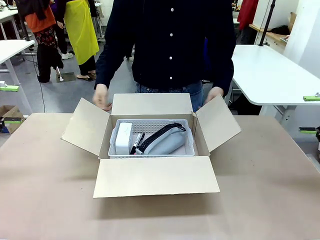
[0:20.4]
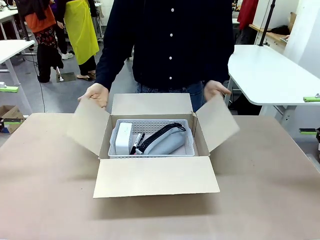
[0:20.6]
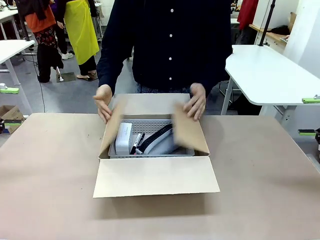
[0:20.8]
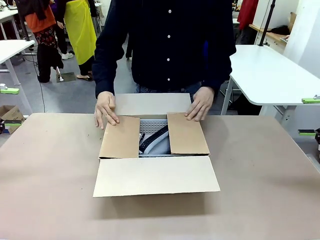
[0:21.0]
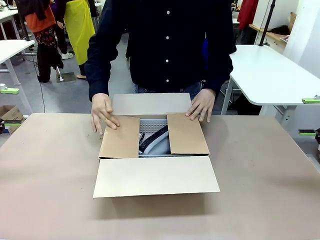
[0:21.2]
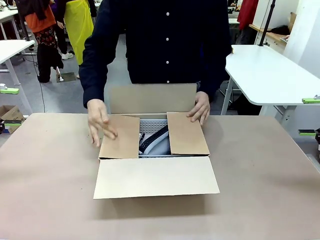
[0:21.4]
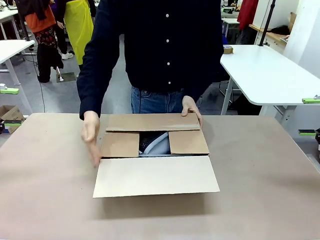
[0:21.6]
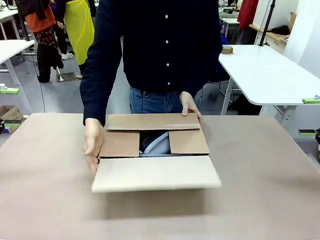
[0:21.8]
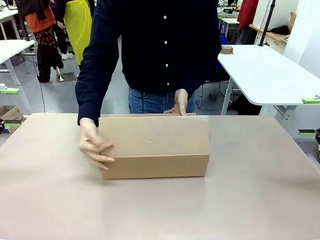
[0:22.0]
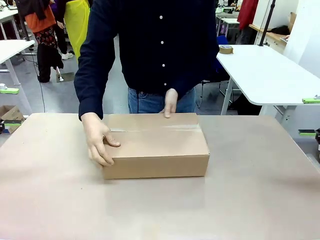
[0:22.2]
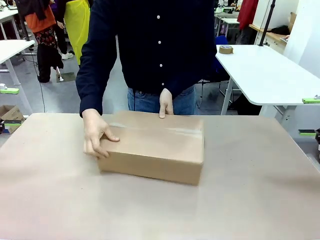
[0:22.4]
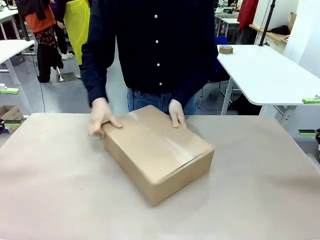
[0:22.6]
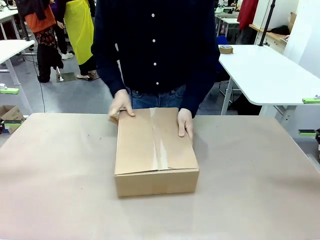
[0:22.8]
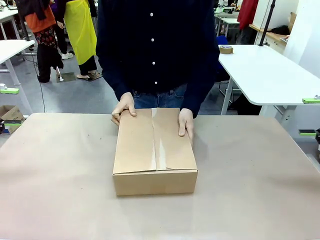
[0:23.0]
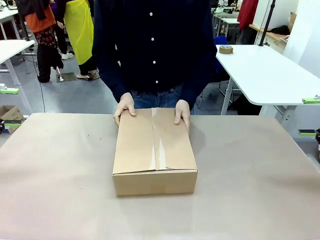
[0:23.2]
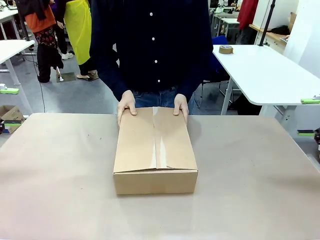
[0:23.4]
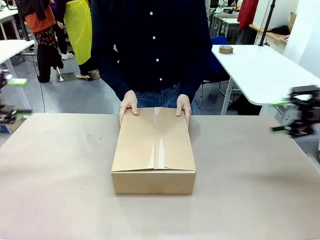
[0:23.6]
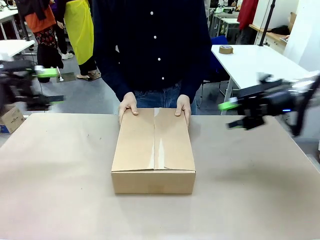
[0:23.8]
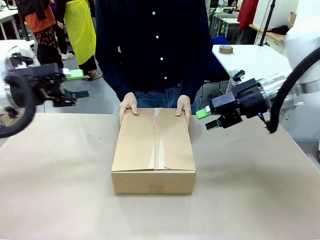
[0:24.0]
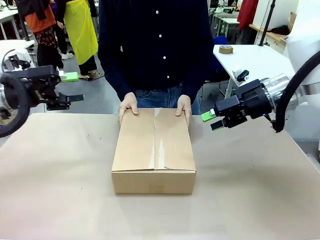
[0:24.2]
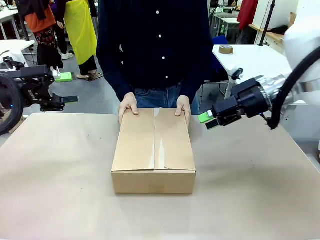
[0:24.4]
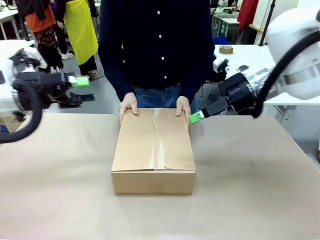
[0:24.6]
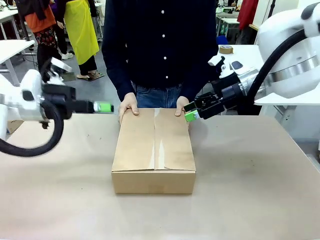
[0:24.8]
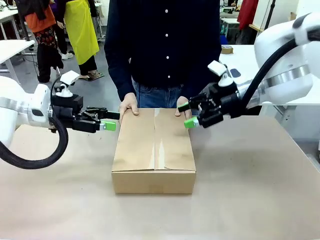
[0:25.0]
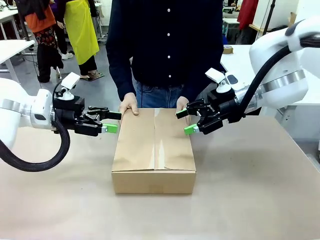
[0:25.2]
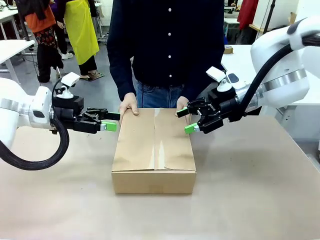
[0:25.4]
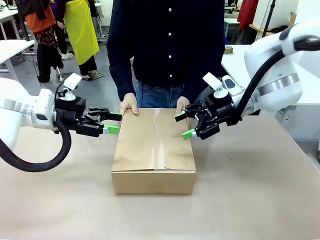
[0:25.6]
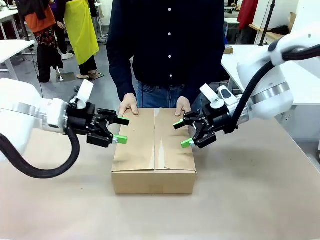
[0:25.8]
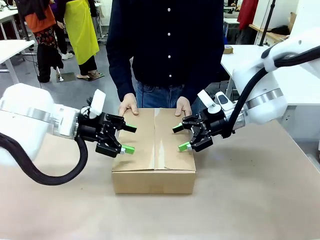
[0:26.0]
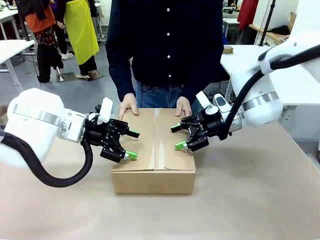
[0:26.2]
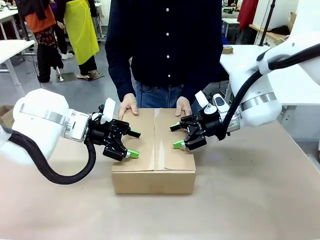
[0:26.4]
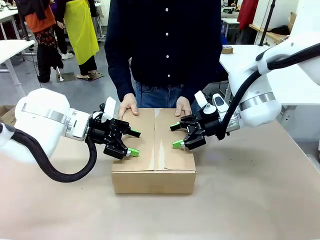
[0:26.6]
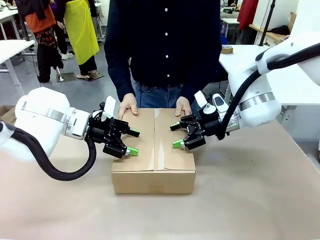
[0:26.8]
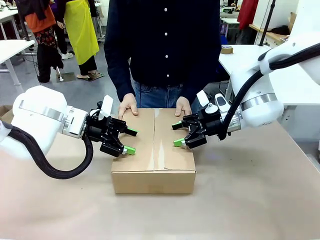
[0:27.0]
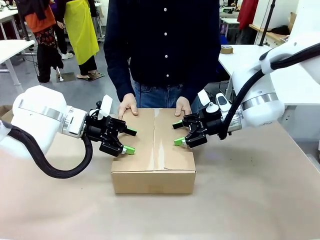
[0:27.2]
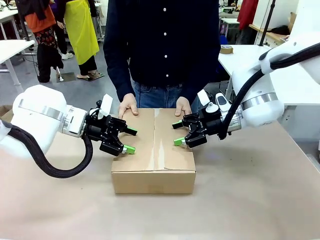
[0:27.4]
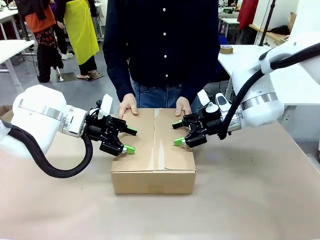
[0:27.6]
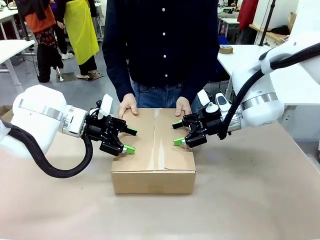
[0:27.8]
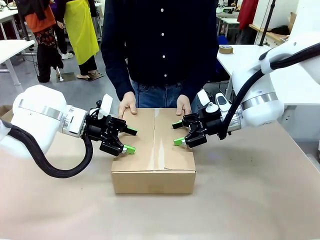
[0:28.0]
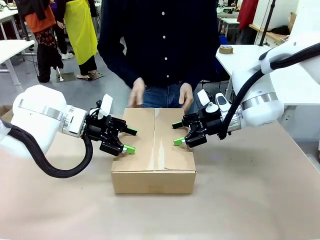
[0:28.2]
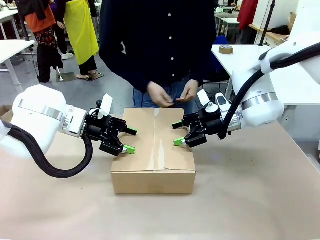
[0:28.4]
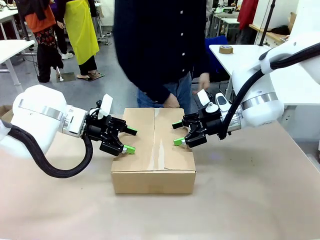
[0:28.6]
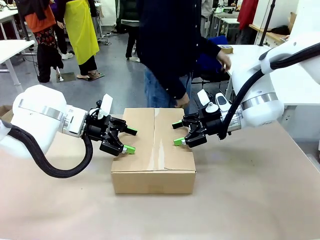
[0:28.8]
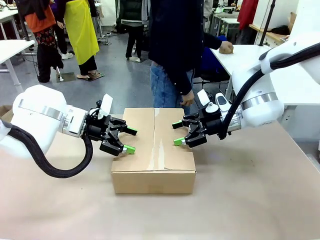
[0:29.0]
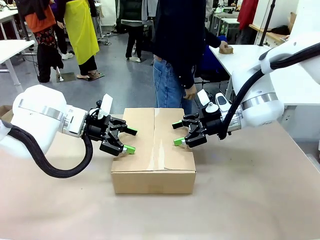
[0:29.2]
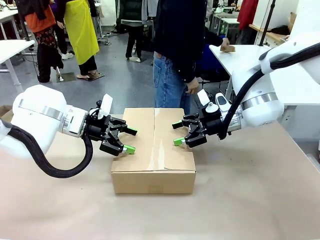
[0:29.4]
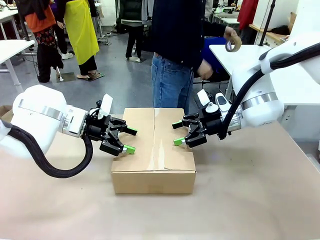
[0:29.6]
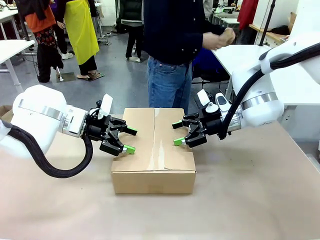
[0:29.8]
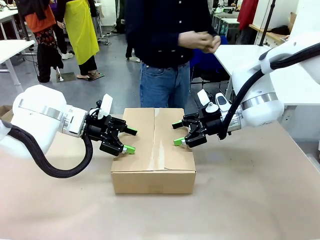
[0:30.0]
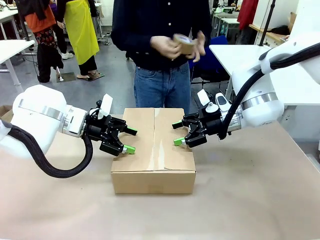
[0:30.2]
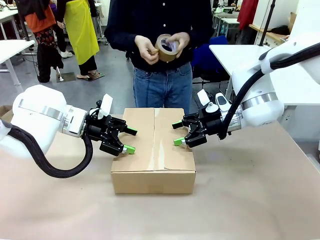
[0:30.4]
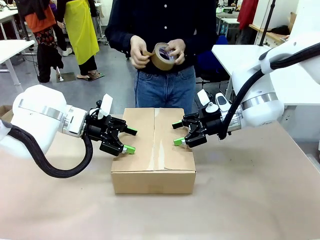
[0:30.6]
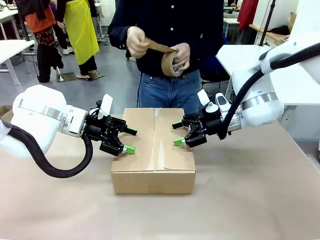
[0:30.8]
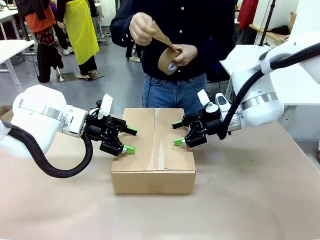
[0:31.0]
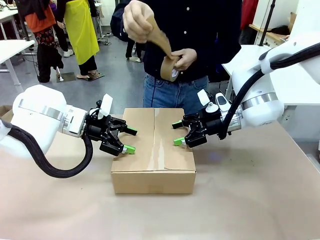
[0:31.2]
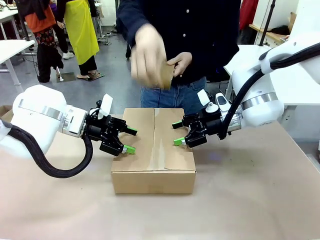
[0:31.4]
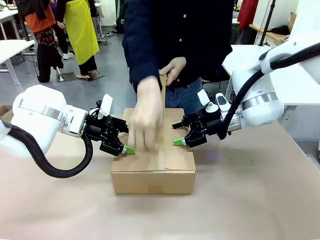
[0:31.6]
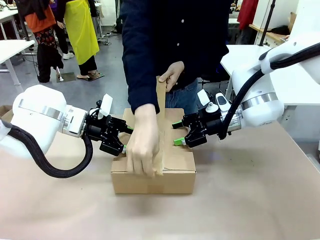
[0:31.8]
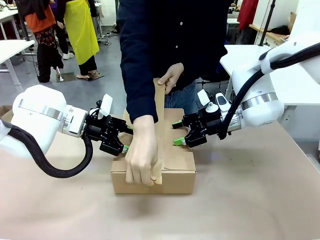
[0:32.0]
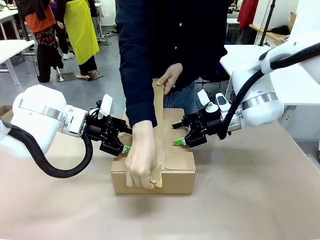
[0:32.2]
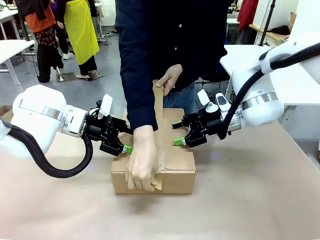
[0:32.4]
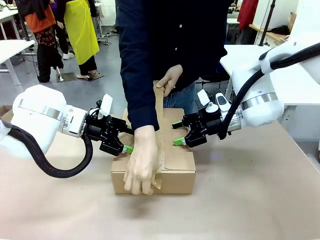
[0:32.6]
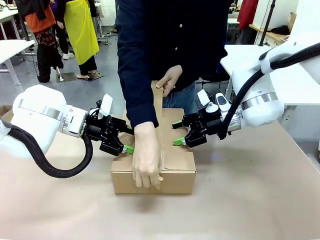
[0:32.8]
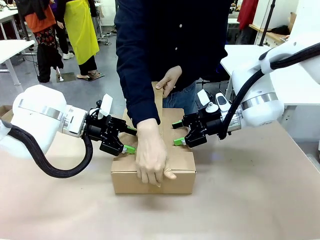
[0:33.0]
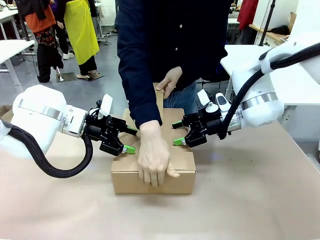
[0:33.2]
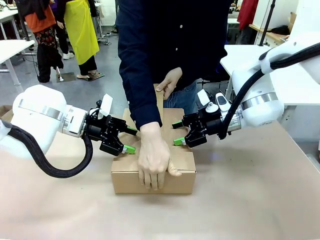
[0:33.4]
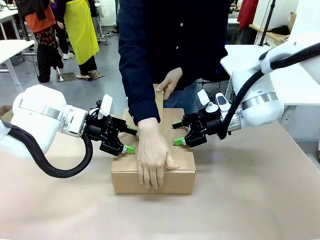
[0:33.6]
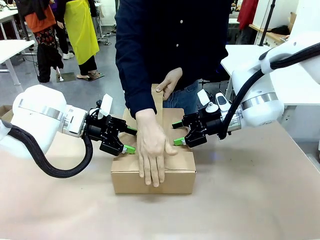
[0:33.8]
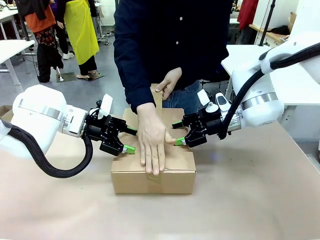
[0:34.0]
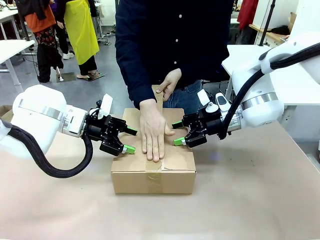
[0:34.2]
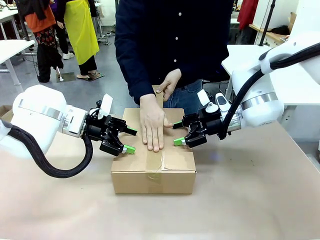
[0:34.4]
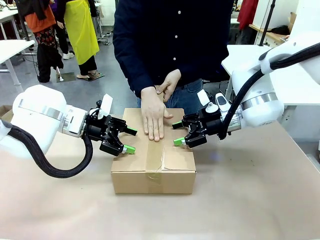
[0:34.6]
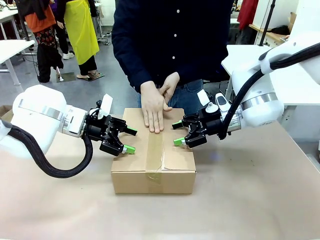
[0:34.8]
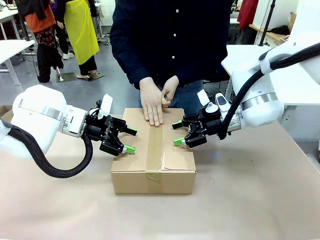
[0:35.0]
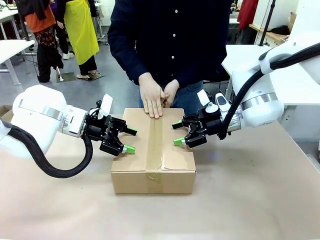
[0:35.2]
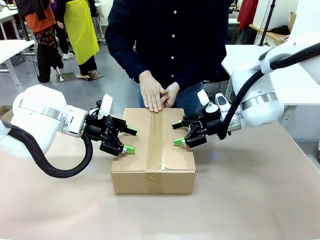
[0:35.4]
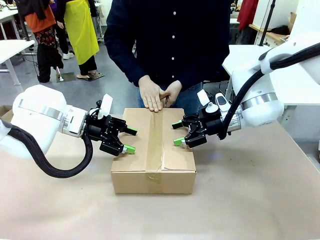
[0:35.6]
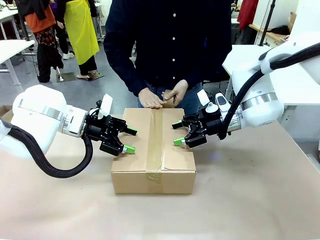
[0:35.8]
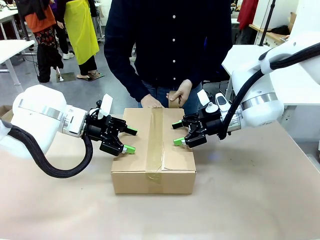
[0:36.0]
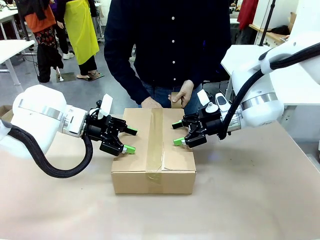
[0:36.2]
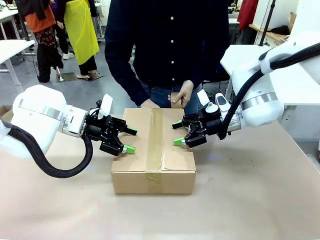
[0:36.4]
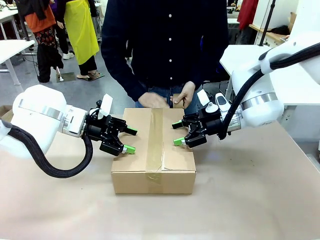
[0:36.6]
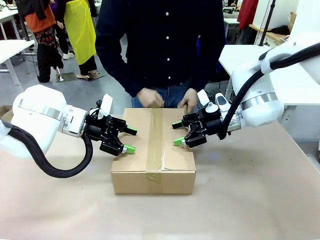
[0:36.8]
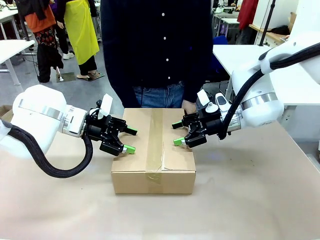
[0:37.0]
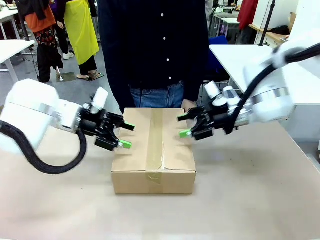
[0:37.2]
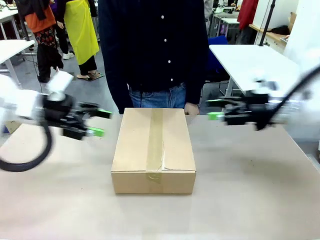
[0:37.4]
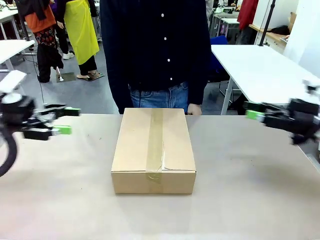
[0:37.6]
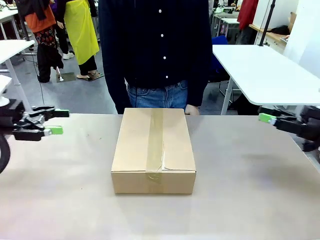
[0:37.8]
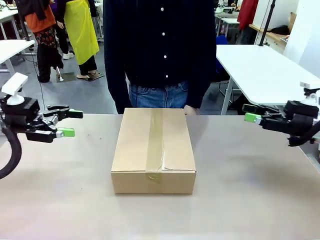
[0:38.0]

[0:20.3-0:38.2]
Task: Pack the gift set into the box.
Robot: Press and hold the closed box until the human finishes sealing it.
Person: The human closes the box and rotates the box by 90 degrees. The human picks up the paper tape from the human table and packs the box.
